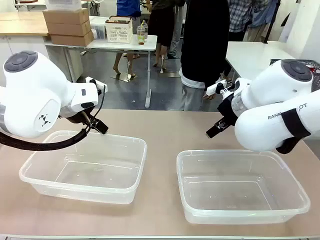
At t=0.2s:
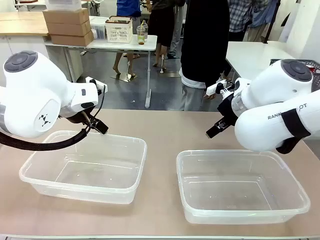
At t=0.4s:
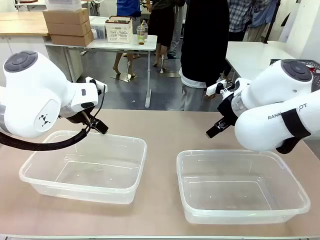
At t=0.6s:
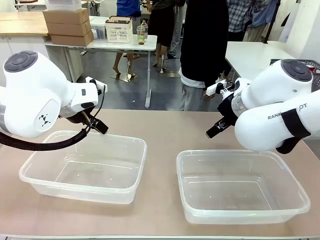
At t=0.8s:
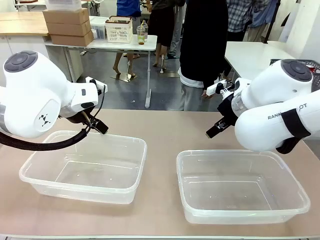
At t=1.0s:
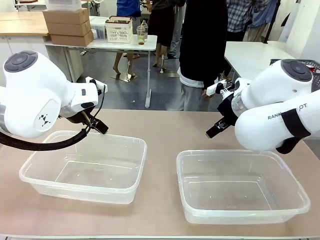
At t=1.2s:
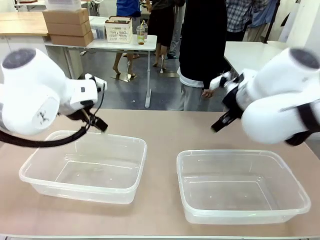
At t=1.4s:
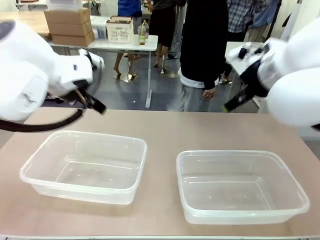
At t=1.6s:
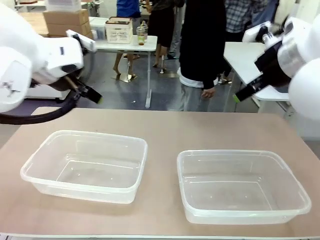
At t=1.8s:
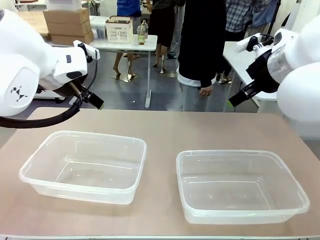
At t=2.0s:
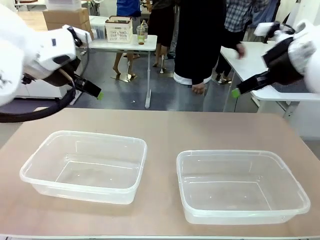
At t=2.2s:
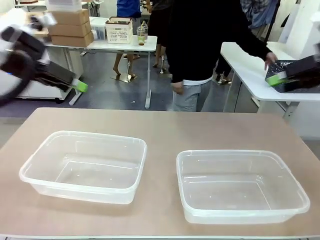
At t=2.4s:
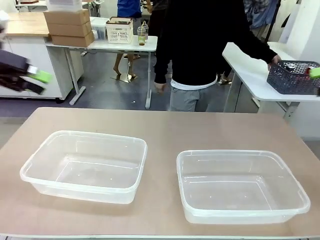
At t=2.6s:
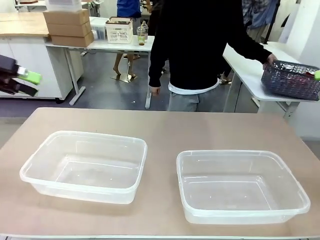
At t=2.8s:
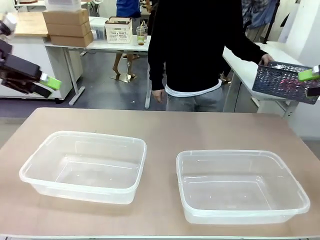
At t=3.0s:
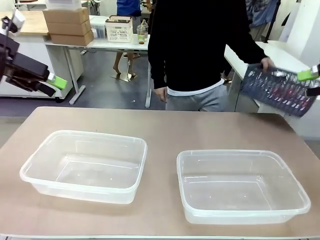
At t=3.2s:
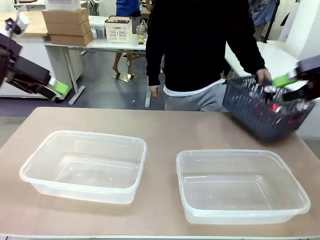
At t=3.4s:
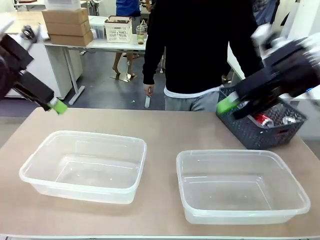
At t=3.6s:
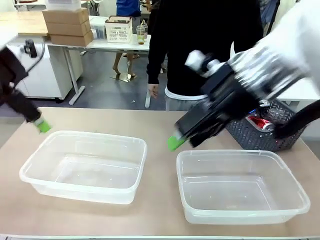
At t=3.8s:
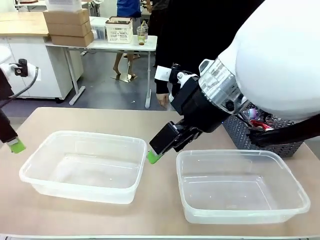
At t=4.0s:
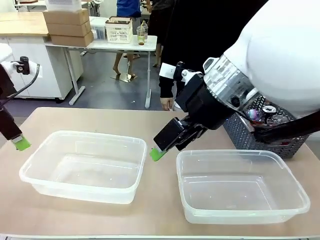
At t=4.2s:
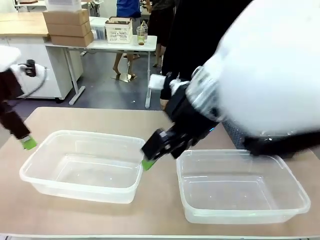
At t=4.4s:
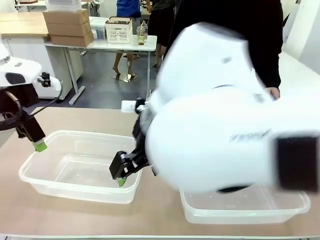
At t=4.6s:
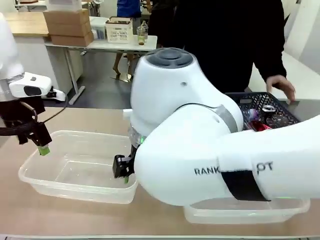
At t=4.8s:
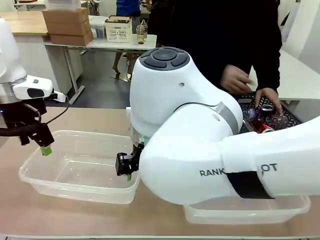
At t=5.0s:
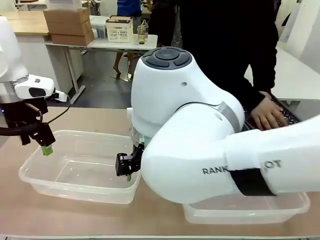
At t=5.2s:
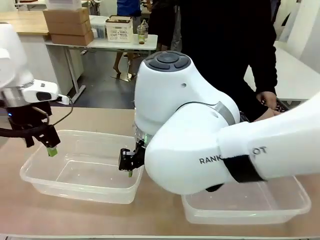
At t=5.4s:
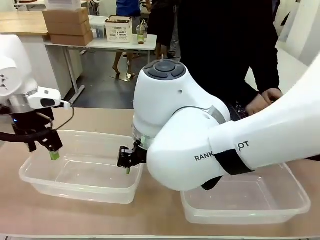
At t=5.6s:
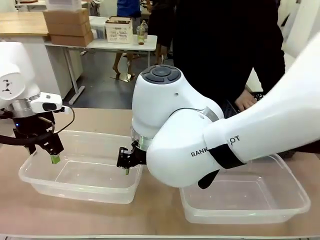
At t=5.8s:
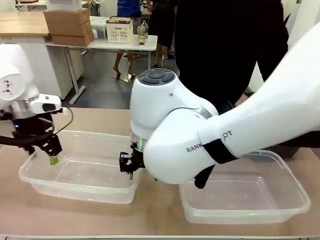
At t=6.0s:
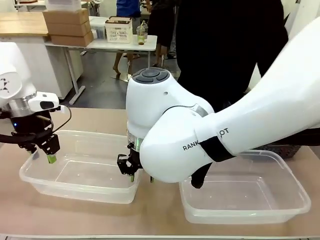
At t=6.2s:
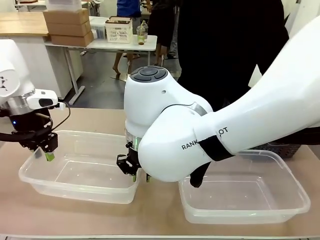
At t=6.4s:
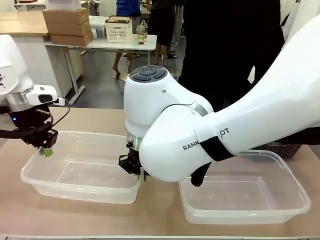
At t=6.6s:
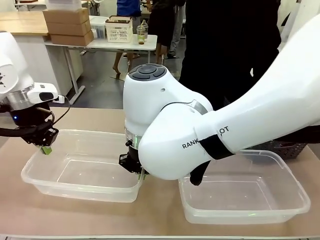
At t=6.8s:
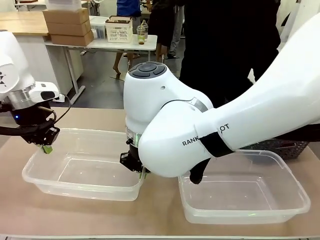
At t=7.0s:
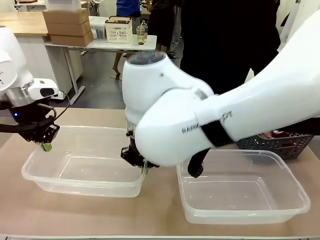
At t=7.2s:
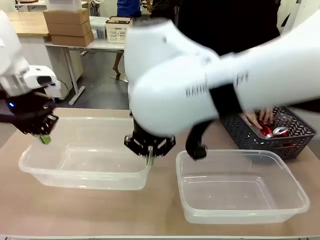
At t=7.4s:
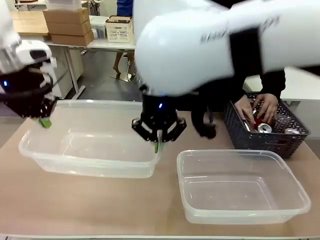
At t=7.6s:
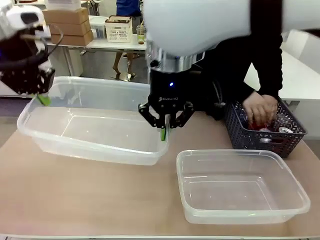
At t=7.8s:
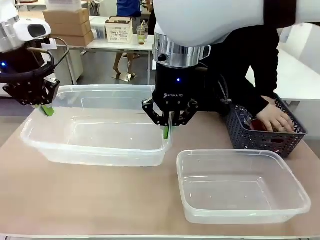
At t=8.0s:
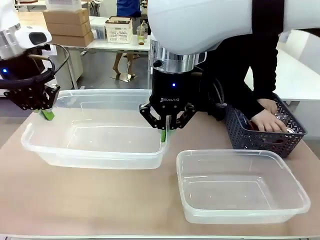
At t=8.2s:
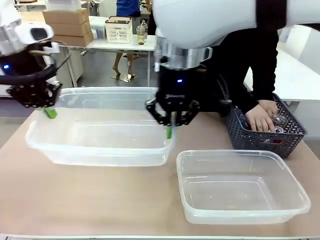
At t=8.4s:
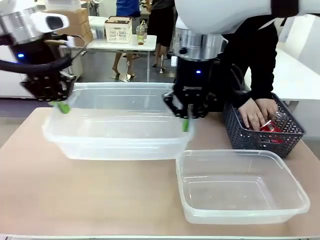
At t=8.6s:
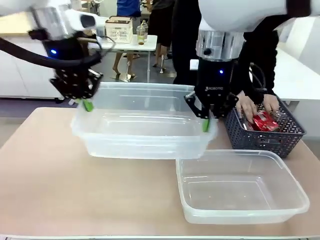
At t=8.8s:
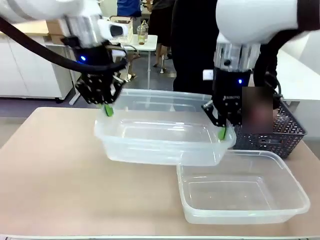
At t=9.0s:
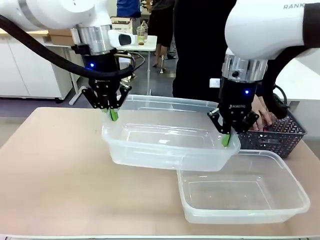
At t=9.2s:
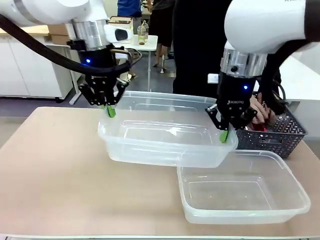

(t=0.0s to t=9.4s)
Robot: Pick up the Organizing box on the left side of the table and lift it.
Person: Pick up the storage basket and place it on the left side of the robot table. Pick up can-shaped waste one by one and place it into the organizing box lifted by the robot.

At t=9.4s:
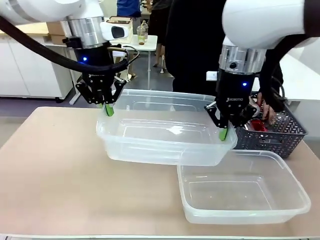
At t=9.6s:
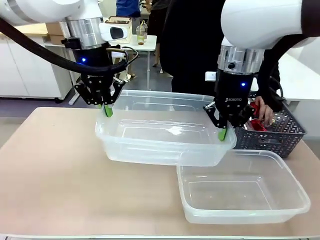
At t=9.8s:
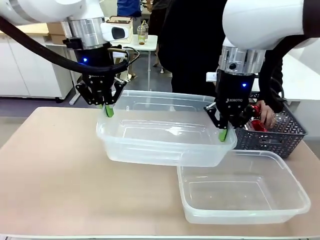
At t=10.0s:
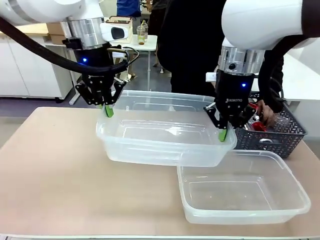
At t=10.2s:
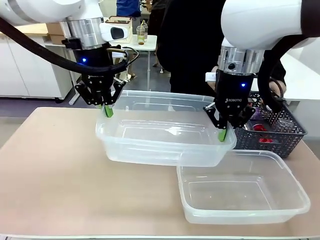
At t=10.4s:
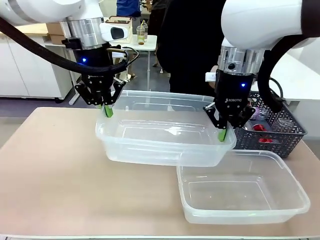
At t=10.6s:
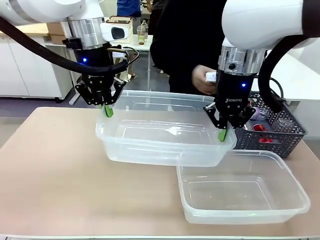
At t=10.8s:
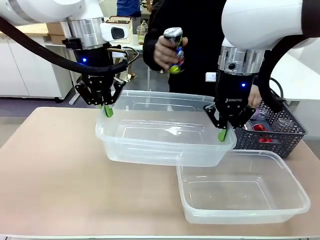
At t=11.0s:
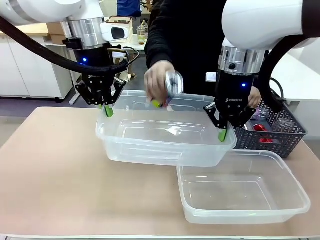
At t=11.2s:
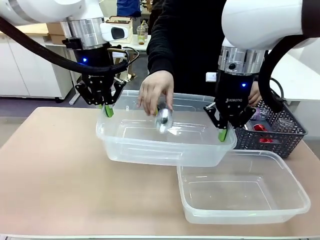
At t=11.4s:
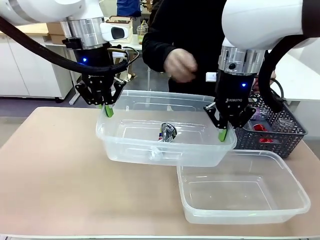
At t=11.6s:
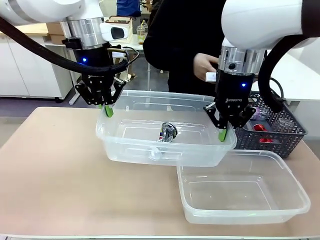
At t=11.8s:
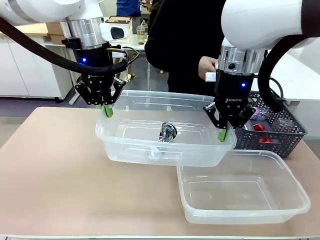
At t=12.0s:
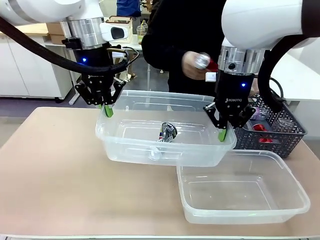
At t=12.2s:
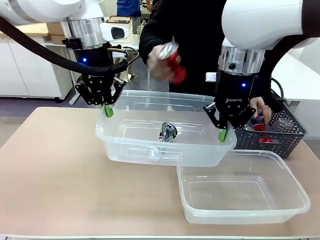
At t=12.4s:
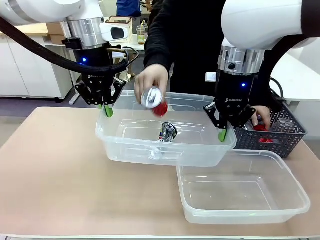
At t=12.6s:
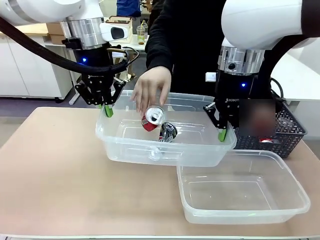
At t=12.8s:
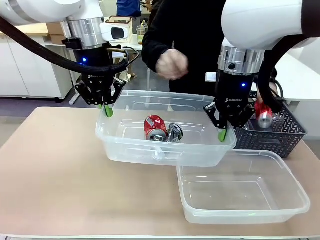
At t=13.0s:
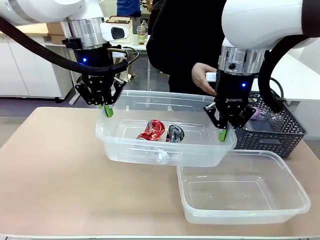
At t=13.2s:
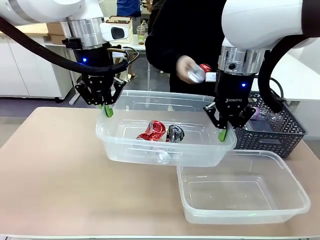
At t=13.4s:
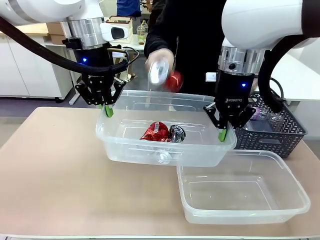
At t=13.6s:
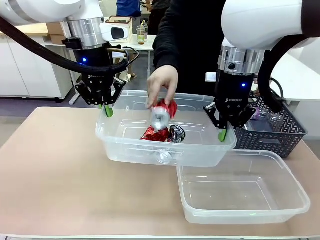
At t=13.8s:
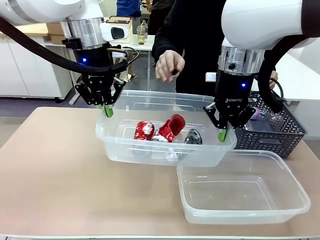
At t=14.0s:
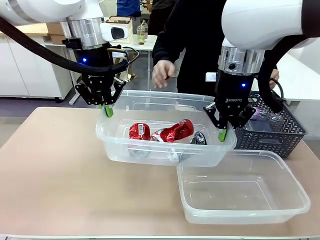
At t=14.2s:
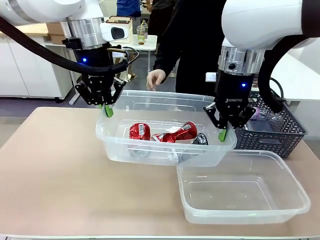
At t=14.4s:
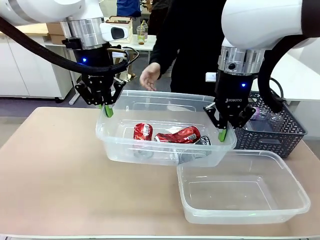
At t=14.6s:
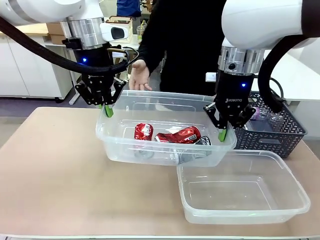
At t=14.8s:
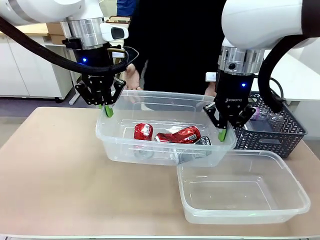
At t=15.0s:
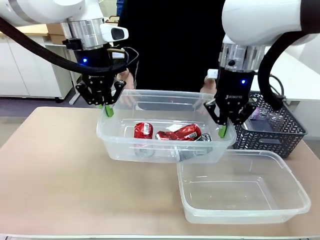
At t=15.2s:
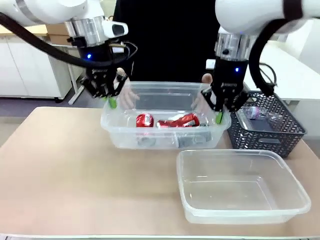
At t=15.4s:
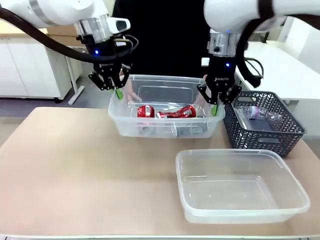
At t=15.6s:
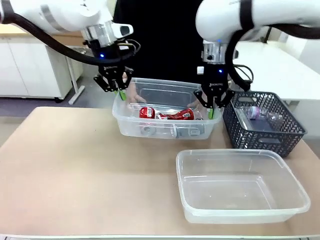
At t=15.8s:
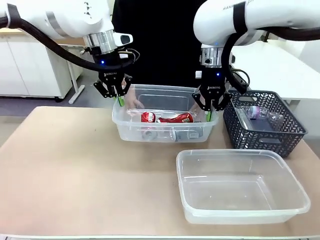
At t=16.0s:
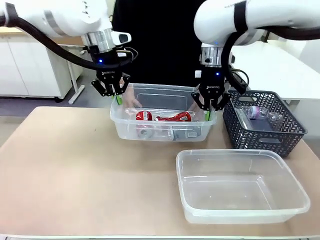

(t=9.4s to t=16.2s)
Robot: Offer the picked Organizing box to the human.

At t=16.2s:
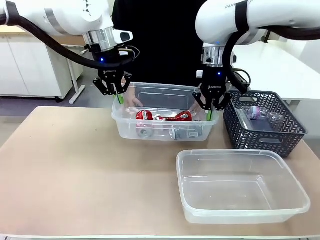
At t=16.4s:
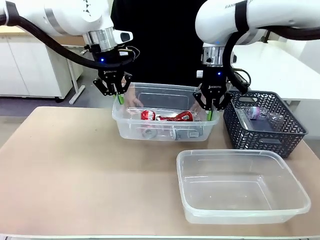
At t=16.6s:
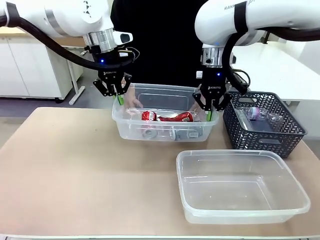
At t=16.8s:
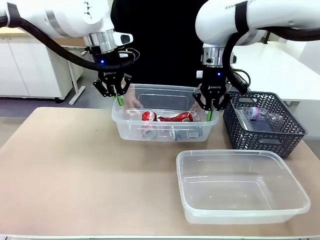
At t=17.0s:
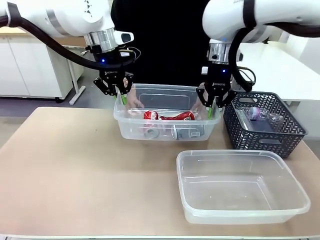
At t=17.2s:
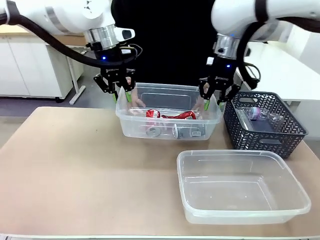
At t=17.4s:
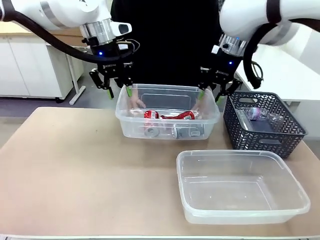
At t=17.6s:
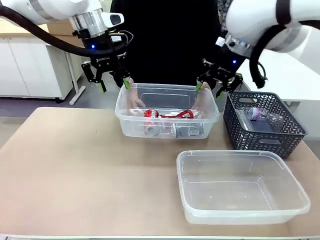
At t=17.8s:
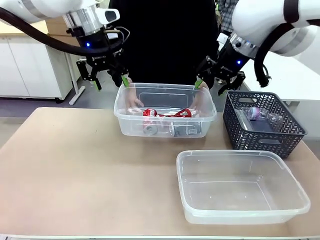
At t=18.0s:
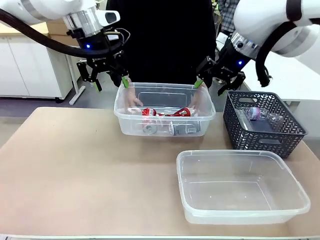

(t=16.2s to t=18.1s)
Robot: Release the Organizing box you were holding.

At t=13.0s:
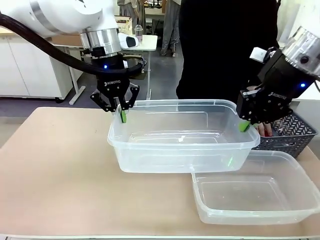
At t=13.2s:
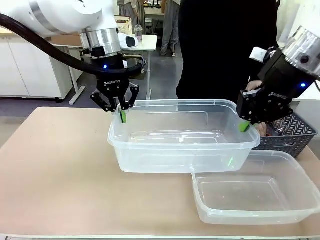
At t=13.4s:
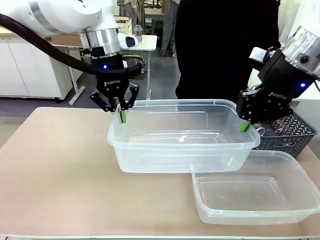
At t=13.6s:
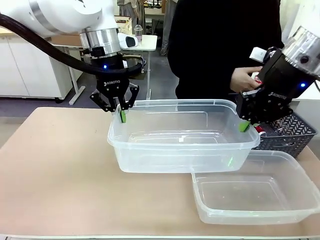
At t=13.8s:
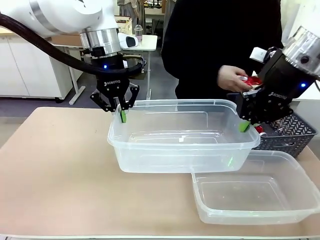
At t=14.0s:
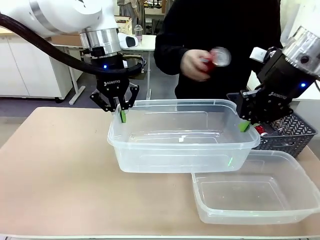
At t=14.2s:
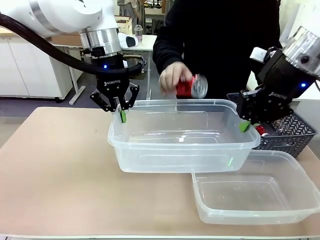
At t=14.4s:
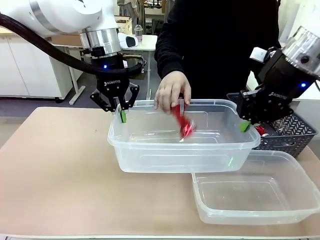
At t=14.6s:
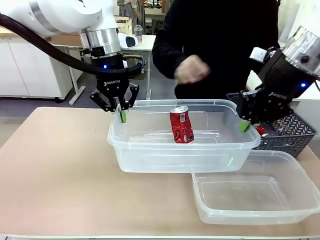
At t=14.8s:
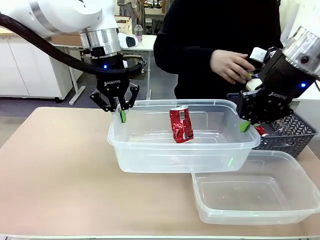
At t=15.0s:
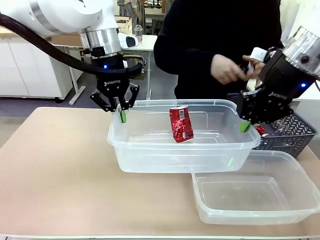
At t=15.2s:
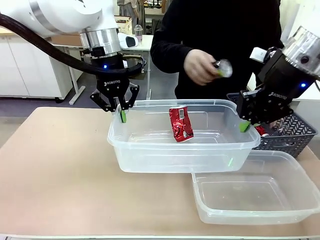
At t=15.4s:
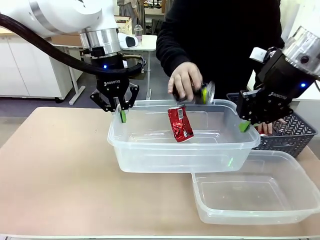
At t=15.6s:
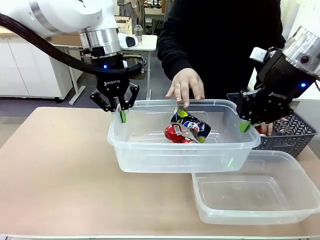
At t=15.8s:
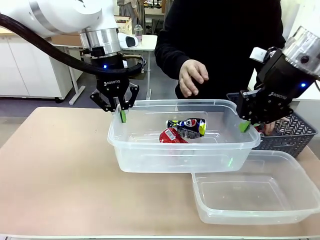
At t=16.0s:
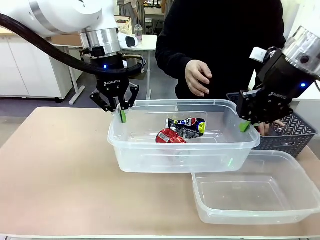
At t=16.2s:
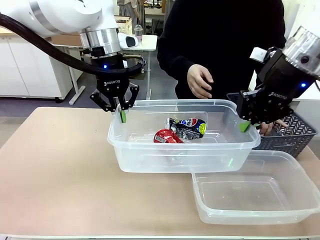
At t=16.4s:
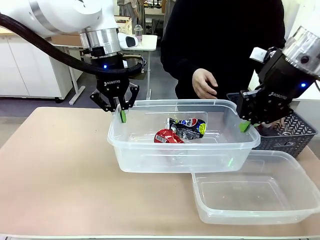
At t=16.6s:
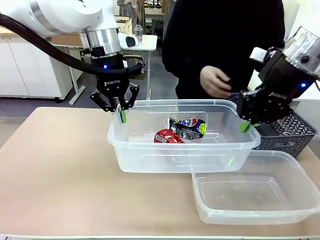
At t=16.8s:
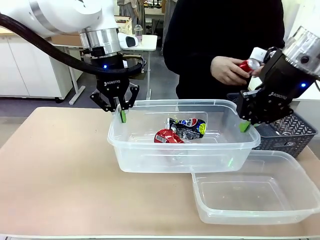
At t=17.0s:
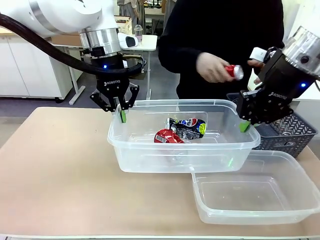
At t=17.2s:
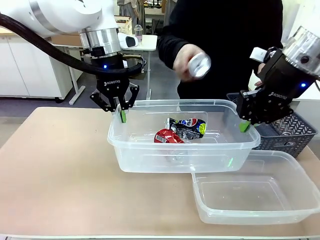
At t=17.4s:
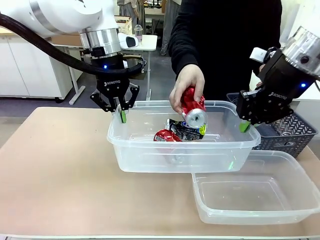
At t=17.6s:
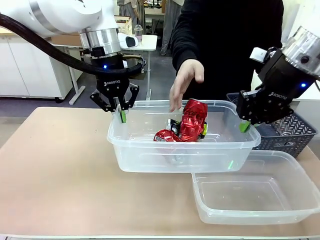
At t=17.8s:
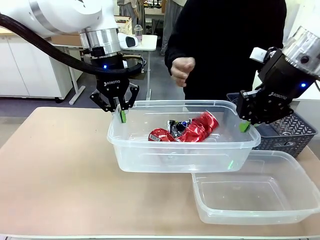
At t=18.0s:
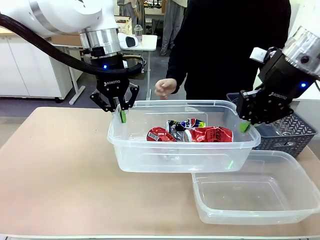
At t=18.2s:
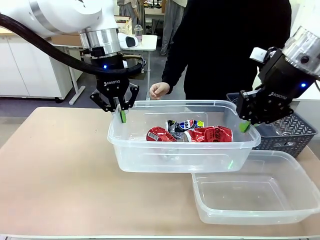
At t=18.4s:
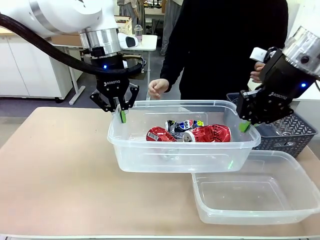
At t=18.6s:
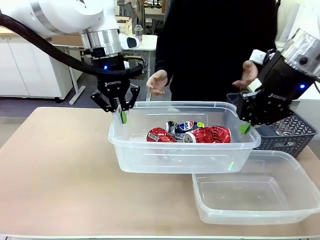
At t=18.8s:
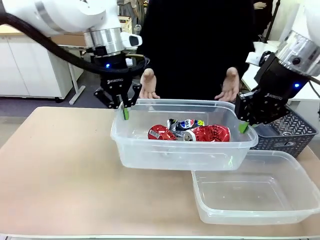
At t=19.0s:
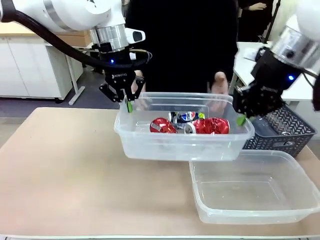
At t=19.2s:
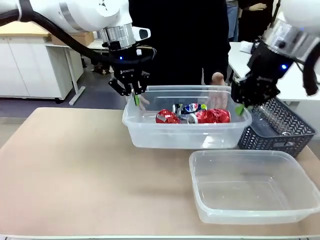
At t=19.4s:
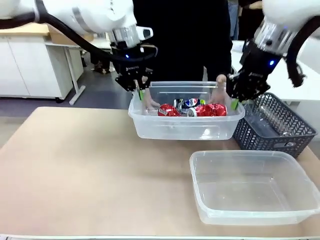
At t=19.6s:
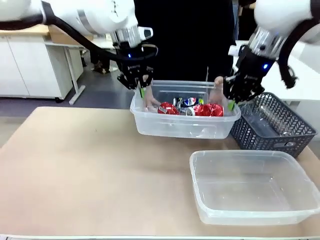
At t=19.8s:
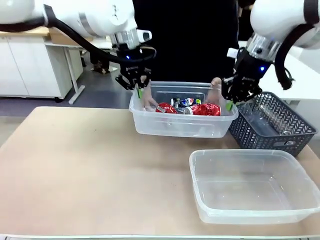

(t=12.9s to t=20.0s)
Robot: Offer the picked Organizing box to the human.
